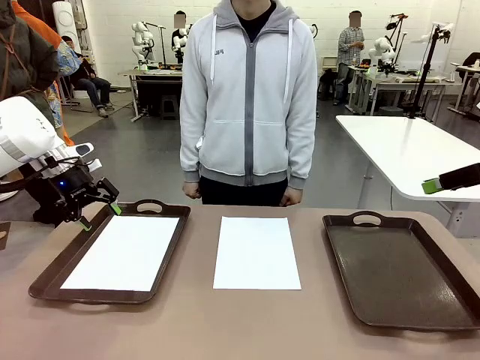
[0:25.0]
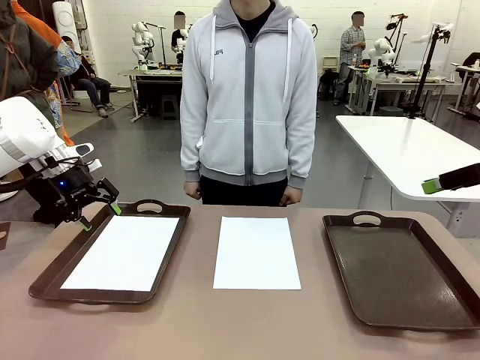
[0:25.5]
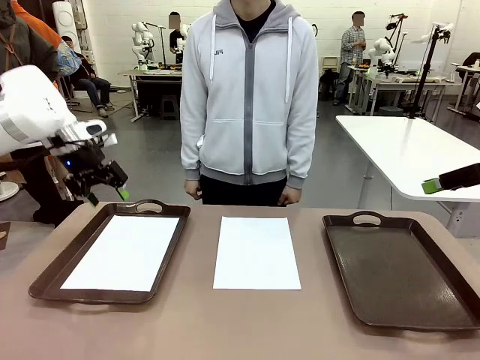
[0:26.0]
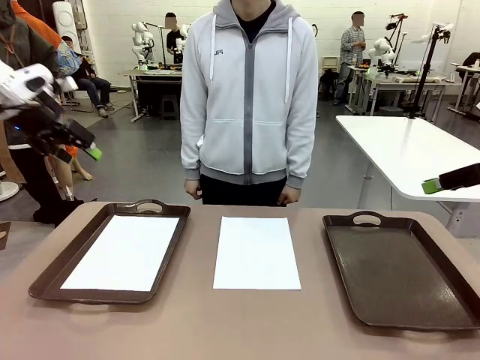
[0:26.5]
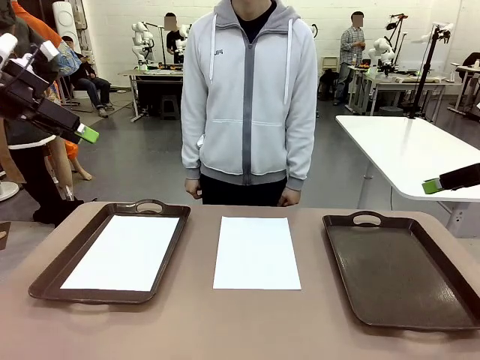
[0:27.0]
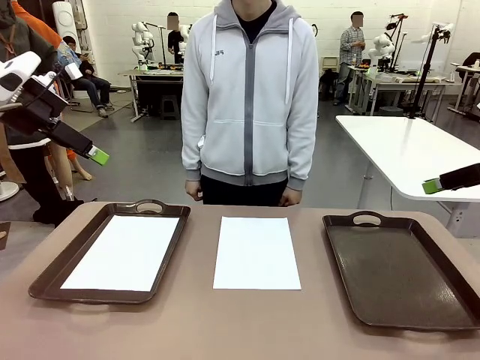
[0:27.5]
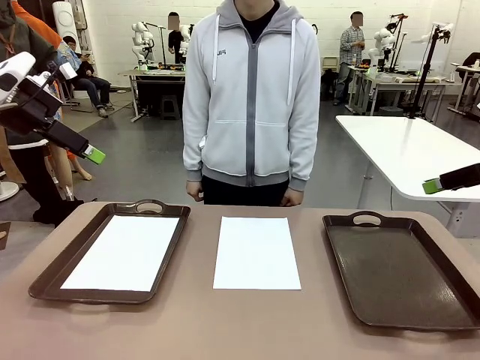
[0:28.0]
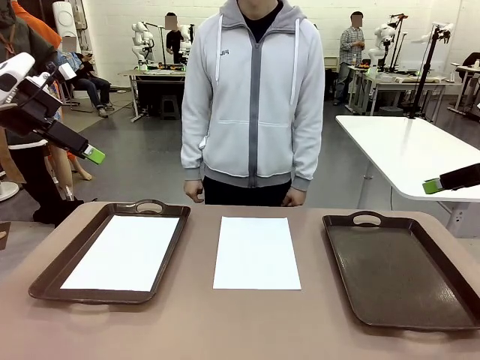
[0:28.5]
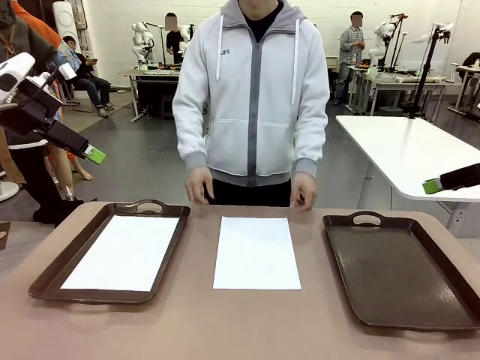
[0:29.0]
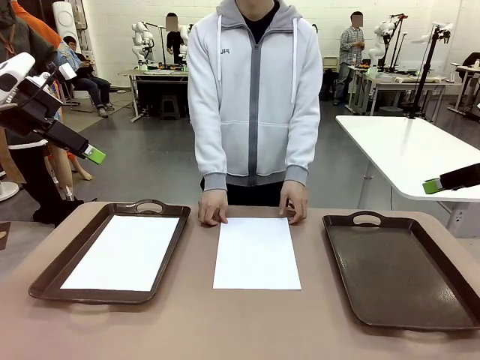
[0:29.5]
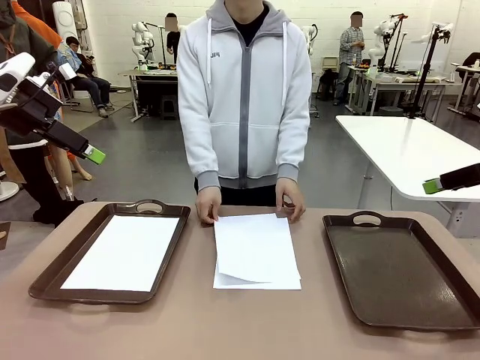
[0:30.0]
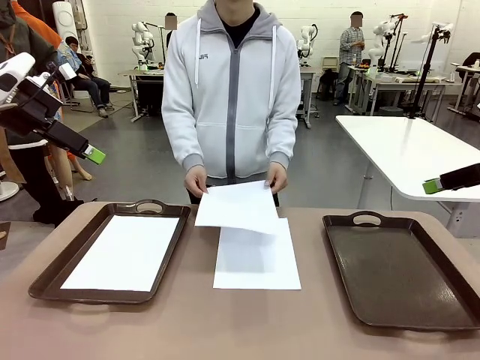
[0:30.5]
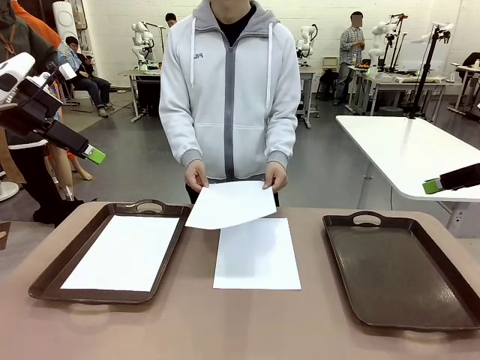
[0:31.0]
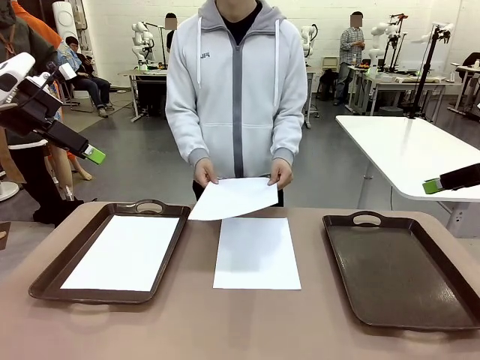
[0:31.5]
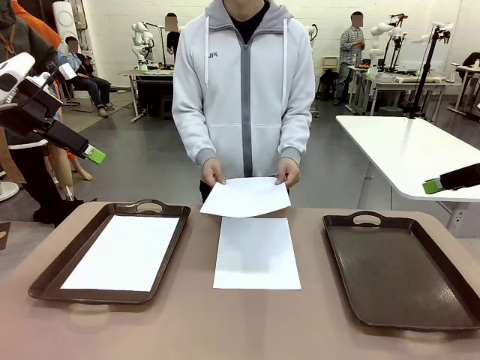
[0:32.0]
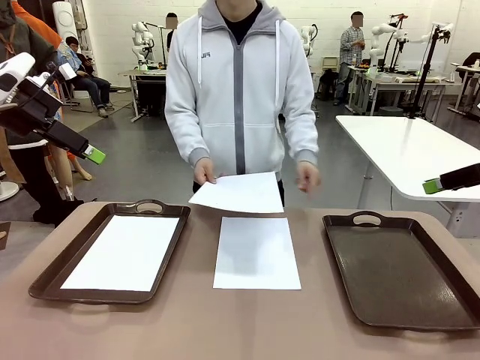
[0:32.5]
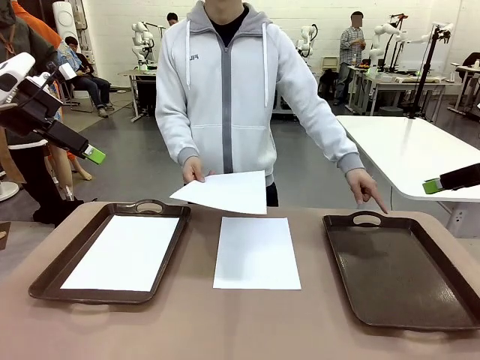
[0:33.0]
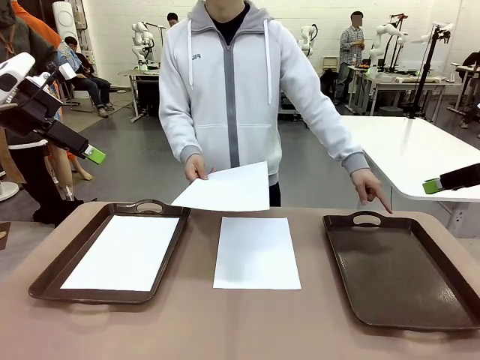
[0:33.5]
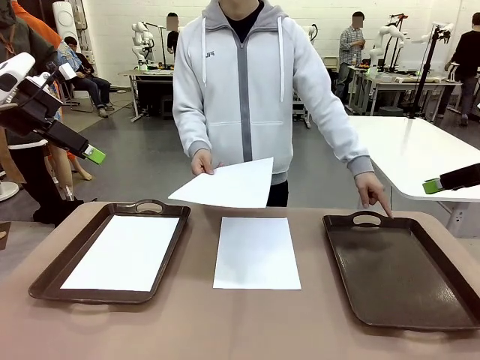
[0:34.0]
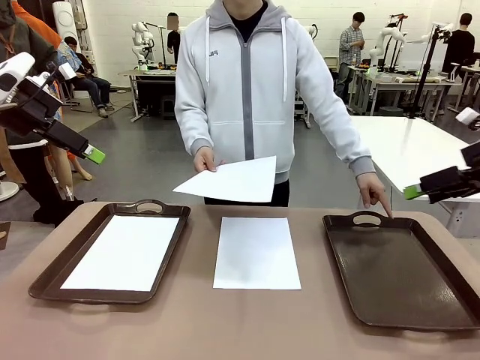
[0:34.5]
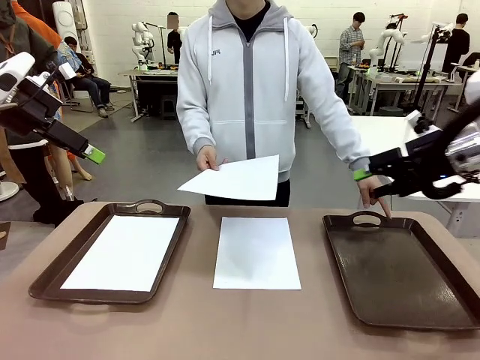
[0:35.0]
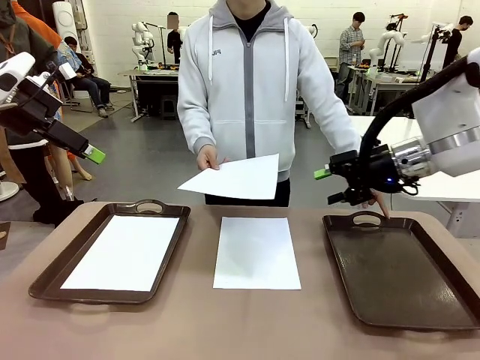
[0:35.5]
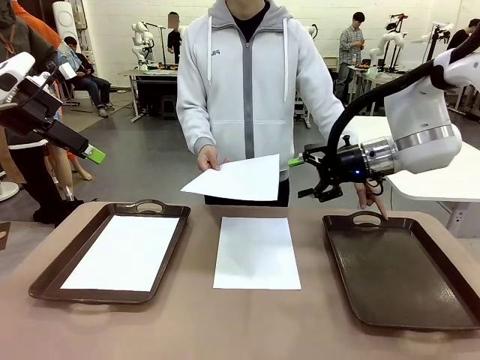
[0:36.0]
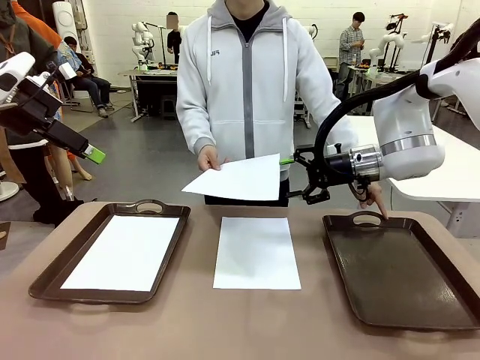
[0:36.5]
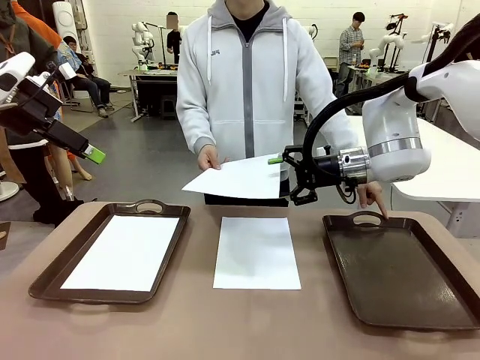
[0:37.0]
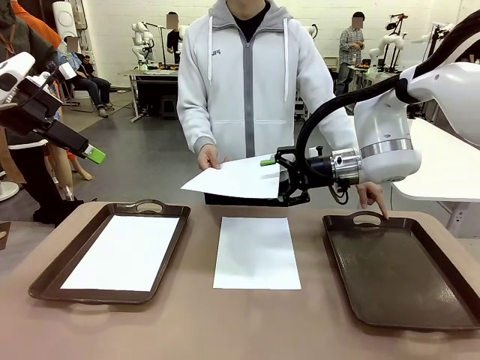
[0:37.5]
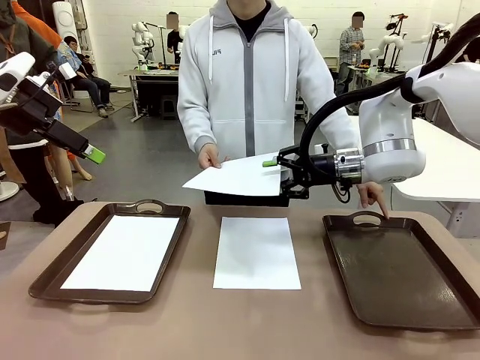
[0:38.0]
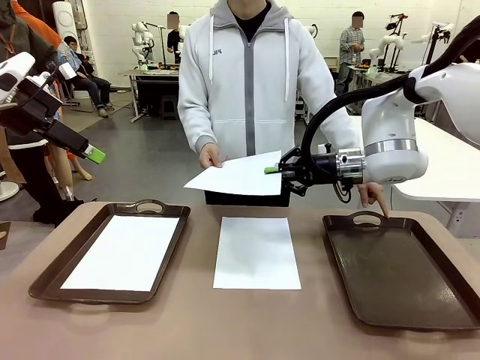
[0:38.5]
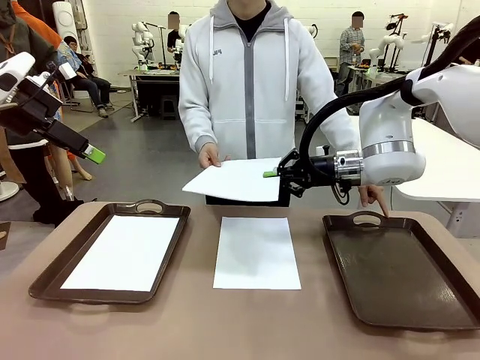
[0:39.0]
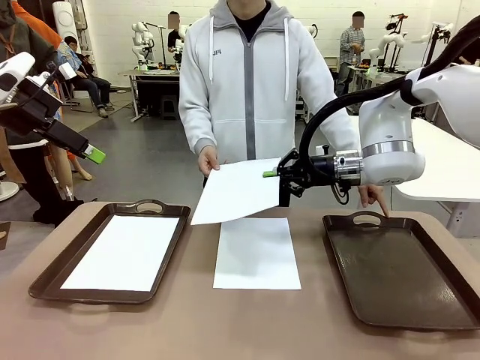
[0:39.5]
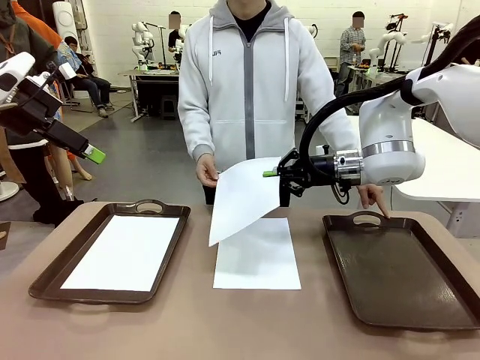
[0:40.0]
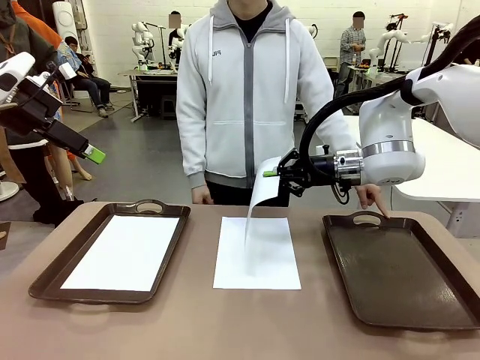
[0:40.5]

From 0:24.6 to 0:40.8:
Task: Sort the A4 documents.
Robot: Receive the A4 Paper.
Person: Point the randomly selected tray with the other hand.

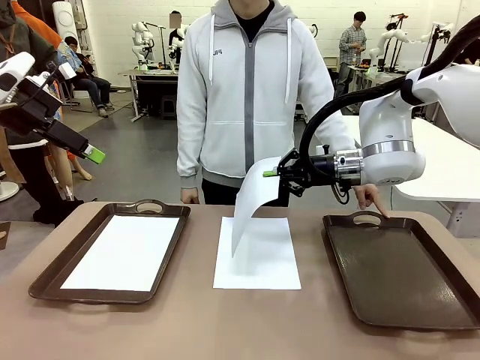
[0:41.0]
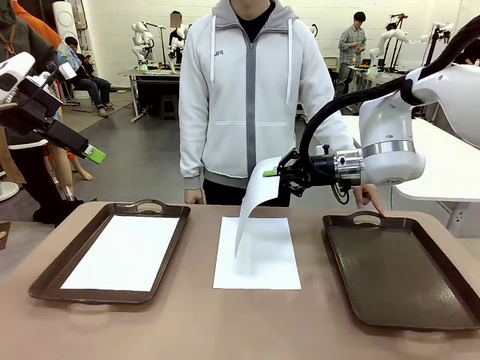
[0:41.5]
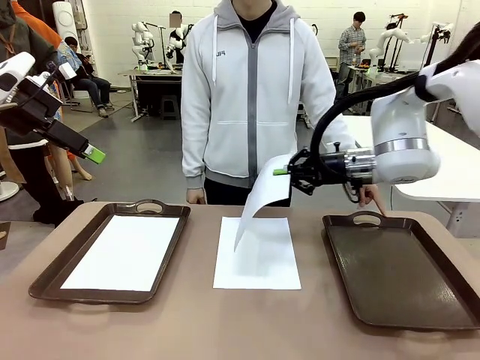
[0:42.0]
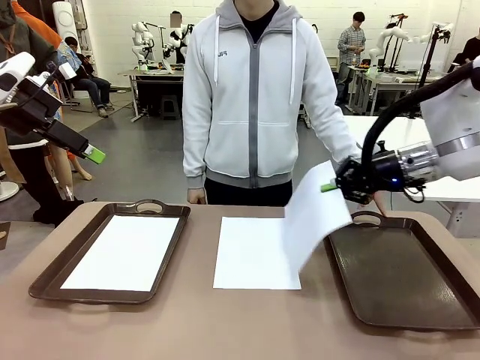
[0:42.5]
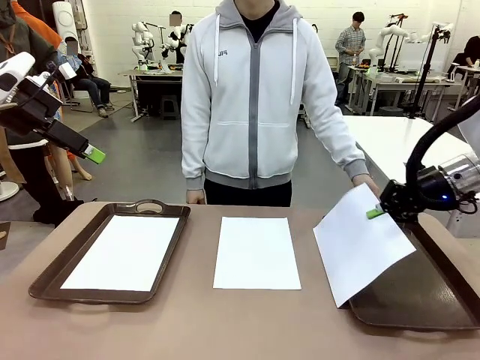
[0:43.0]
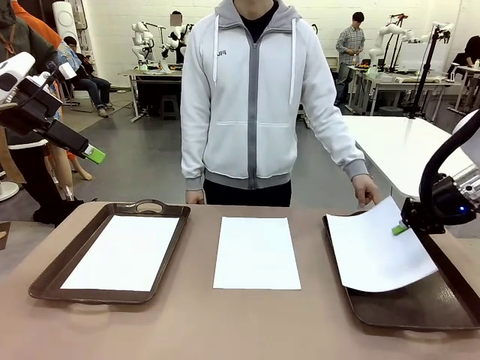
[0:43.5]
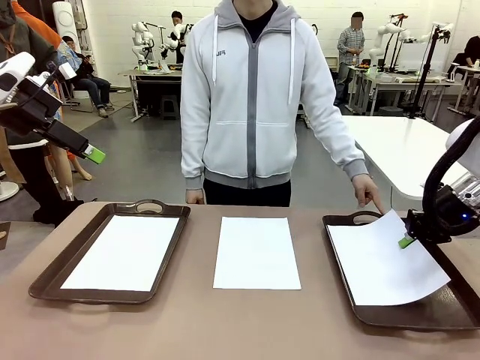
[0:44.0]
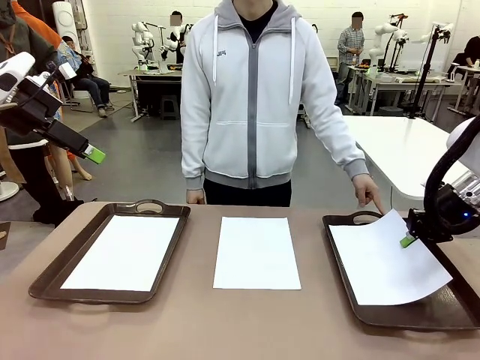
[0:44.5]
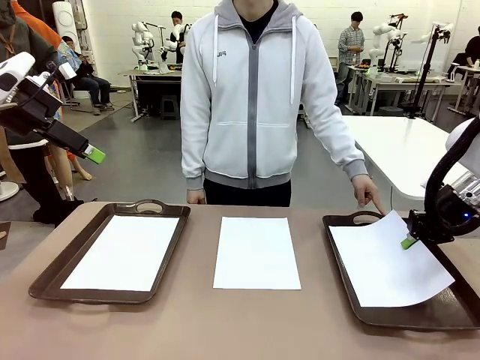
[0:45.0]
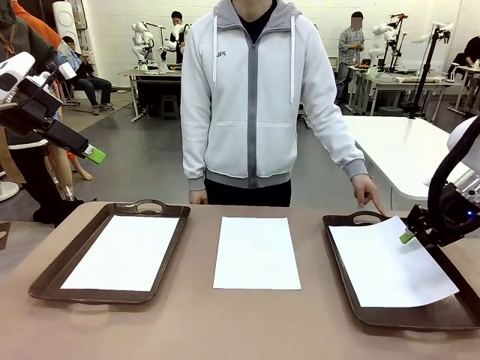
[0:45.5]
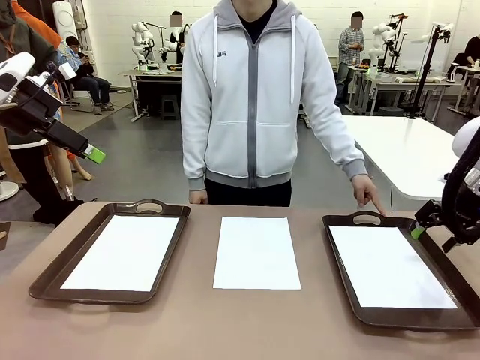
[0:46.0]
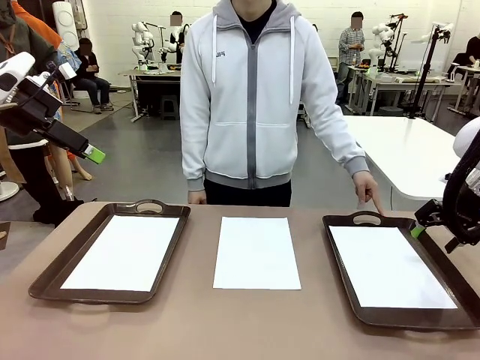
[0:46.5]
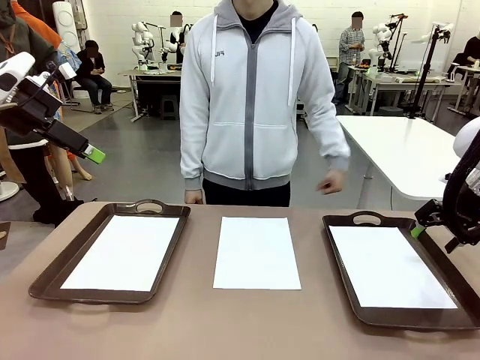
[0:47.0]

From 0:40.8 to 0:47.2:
Robot: Place the A4 Paper in the designated Handle tray.

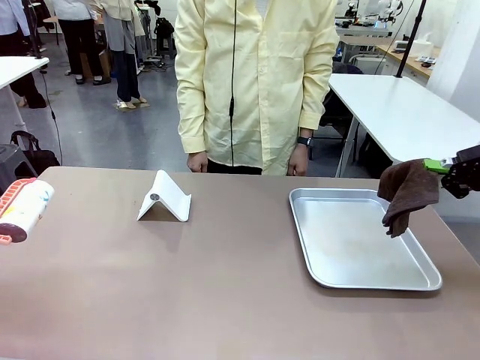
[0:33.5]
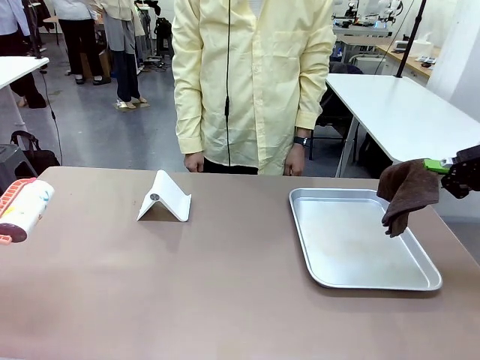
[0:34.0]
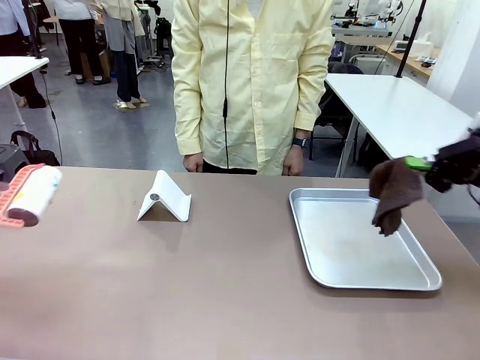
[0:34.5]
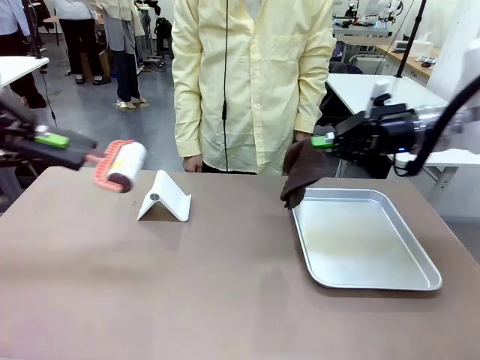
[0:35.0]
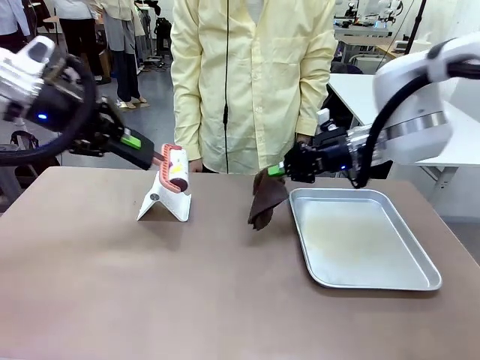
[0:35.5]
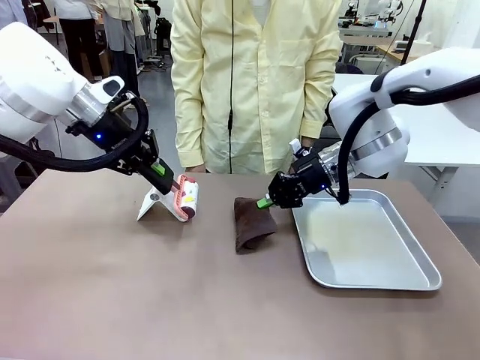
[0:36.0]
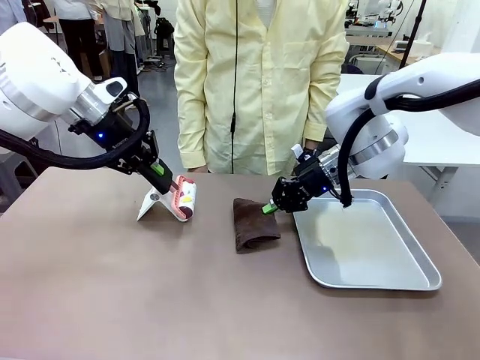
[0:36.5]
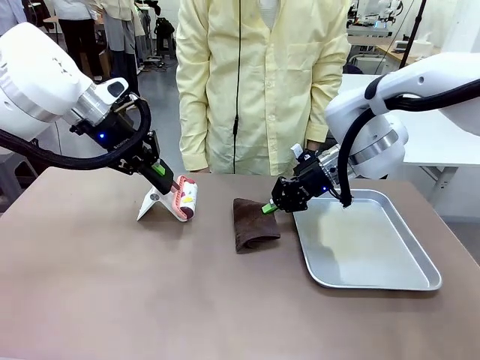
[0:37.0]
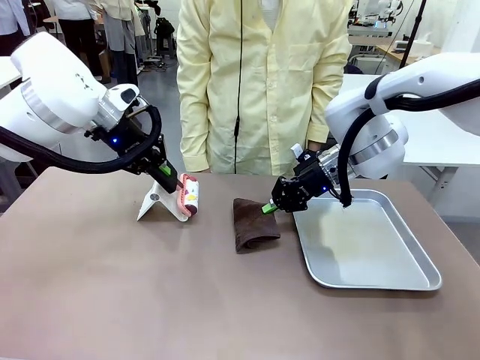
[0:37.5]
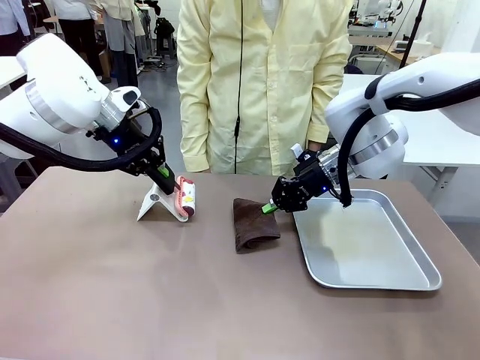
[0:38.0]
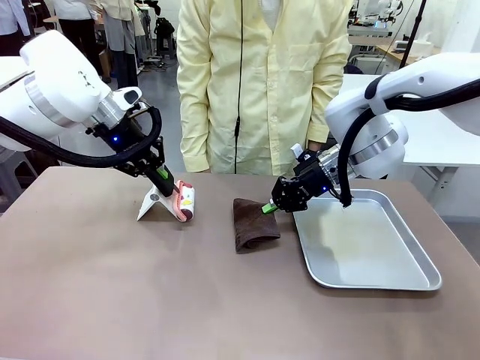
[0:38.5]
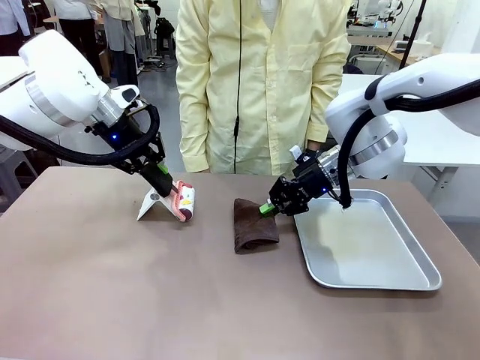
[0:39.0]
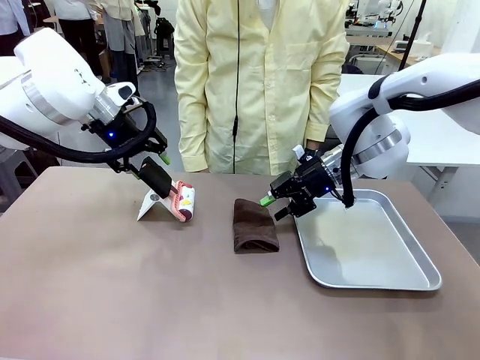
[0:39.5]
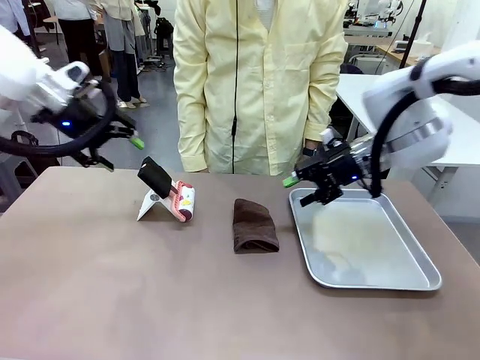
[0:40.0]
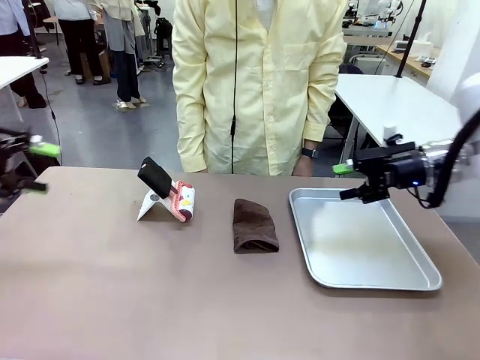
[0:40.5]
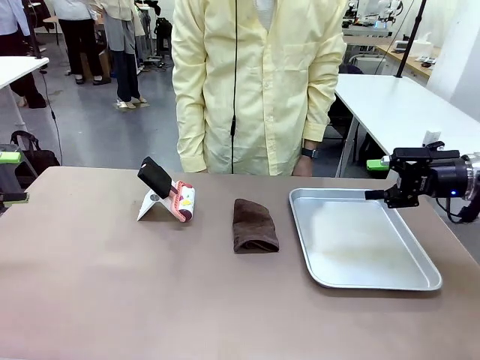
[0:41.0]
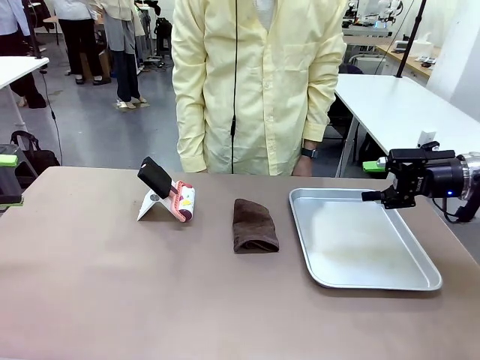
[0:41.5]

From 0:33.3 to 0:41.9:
Task: Clean the surface of the table.
Robot: Return the Lint Roller and towel to their original positions.
